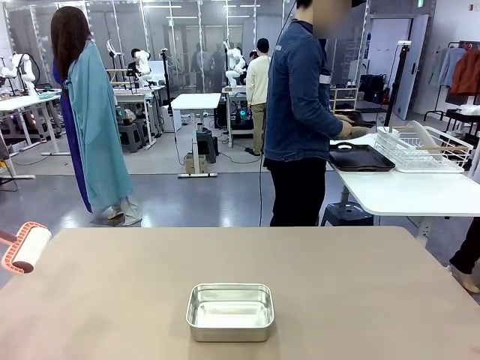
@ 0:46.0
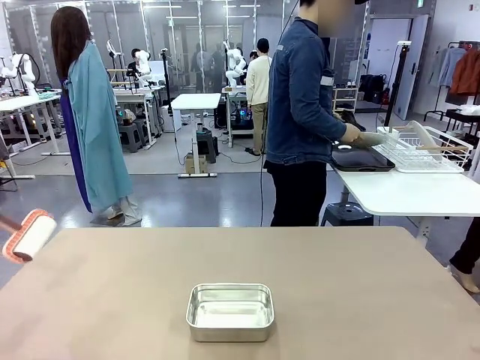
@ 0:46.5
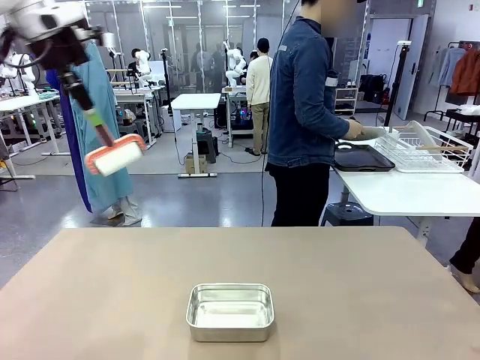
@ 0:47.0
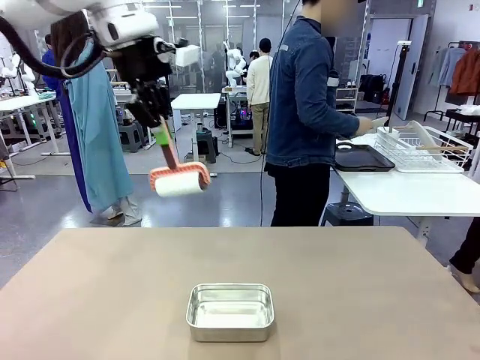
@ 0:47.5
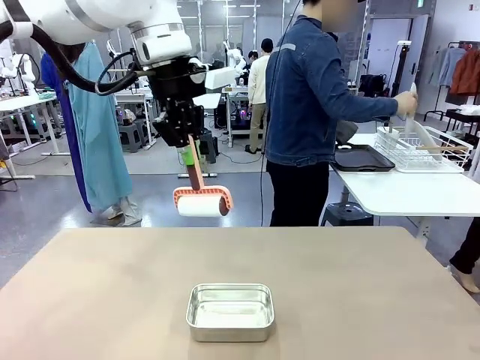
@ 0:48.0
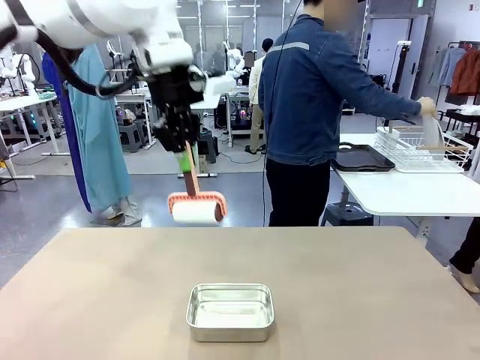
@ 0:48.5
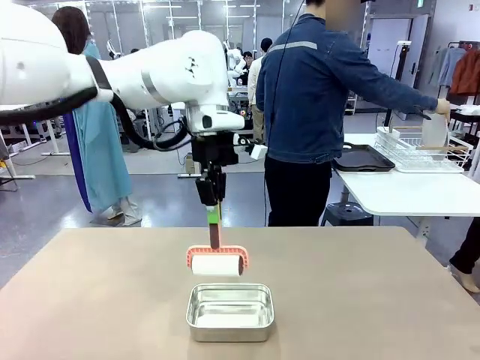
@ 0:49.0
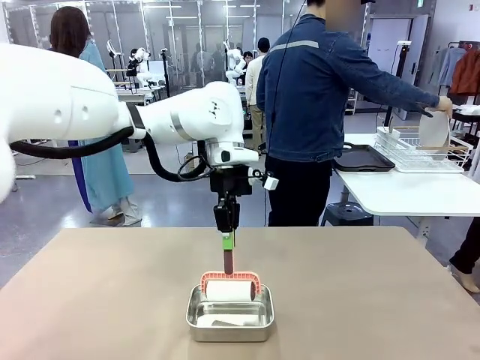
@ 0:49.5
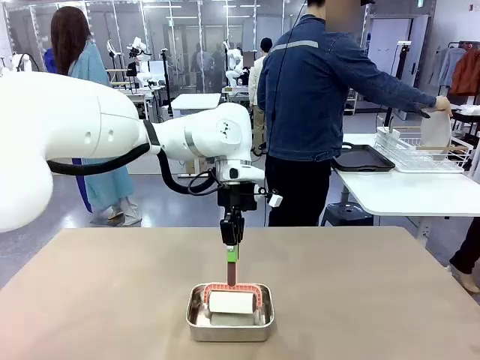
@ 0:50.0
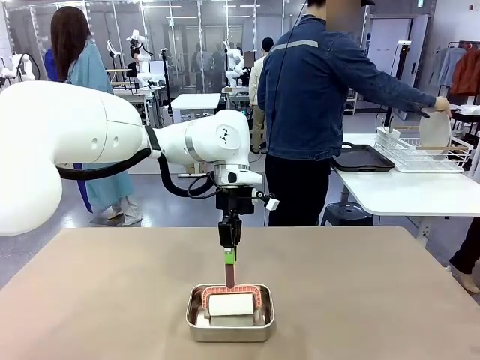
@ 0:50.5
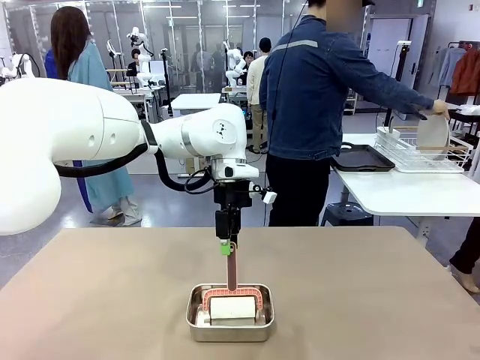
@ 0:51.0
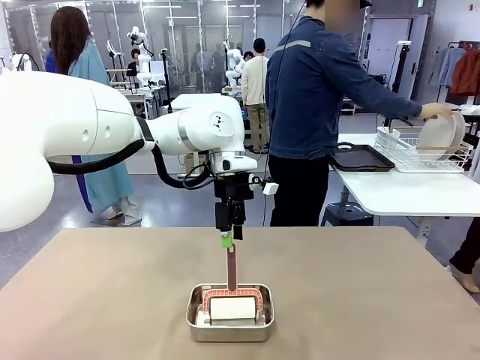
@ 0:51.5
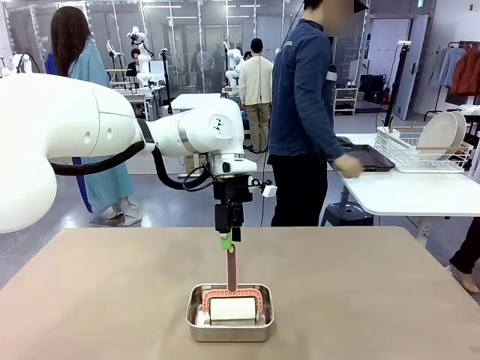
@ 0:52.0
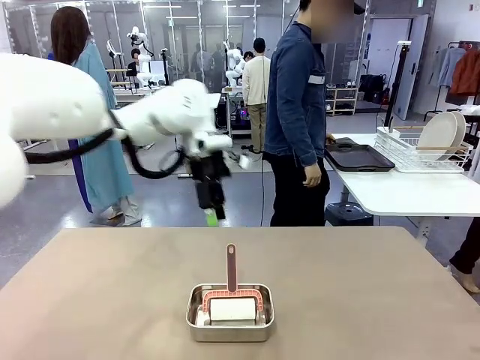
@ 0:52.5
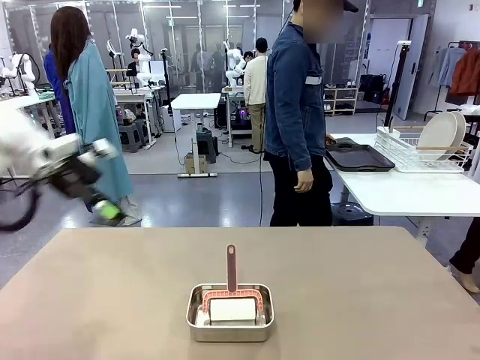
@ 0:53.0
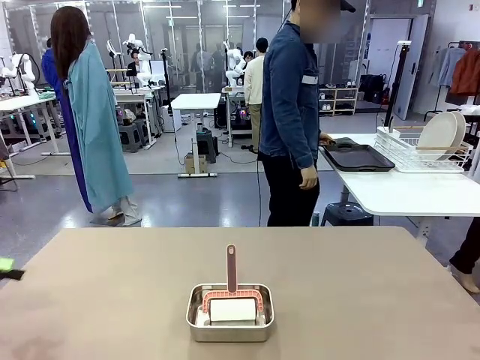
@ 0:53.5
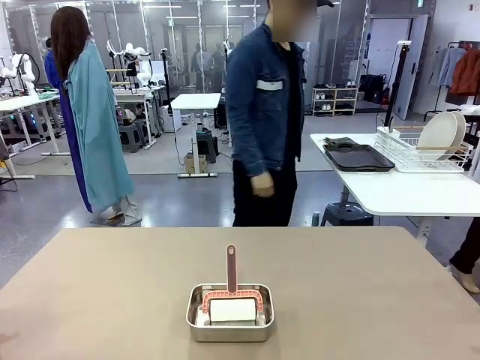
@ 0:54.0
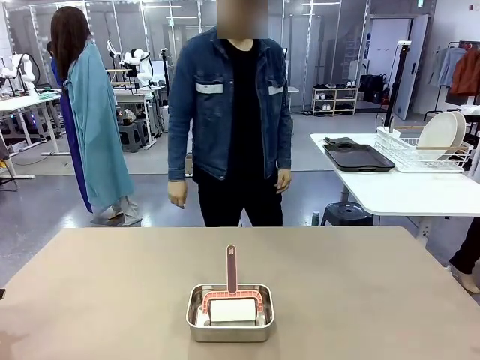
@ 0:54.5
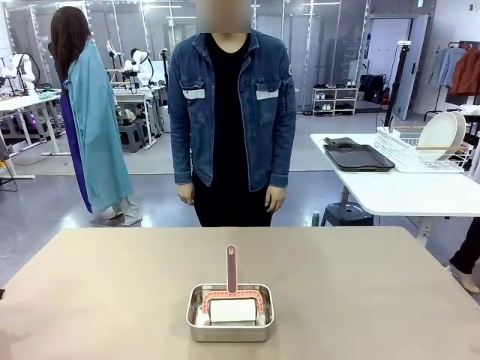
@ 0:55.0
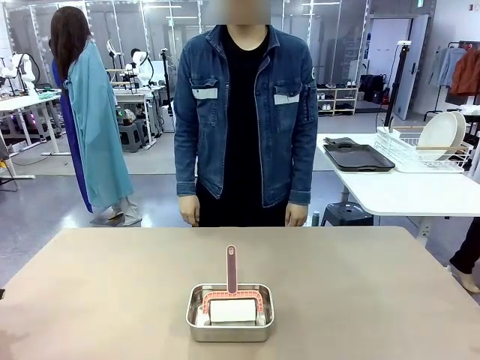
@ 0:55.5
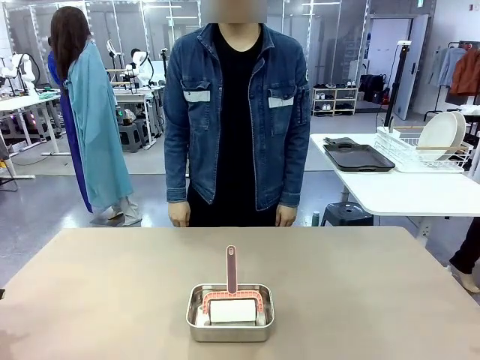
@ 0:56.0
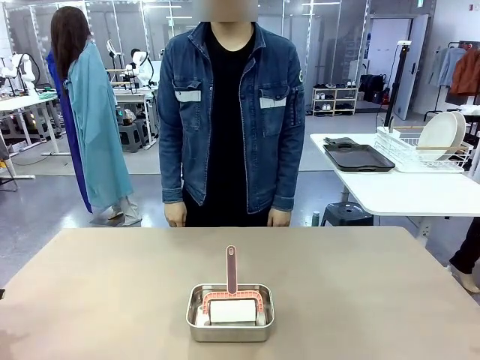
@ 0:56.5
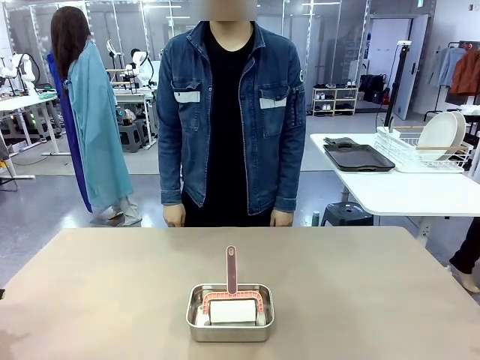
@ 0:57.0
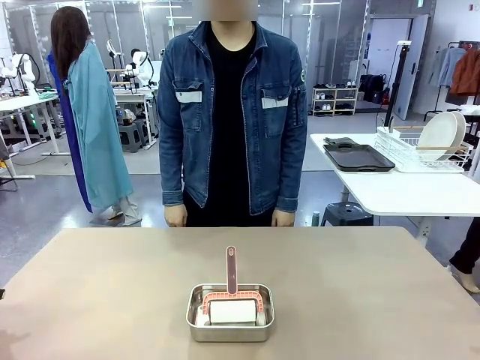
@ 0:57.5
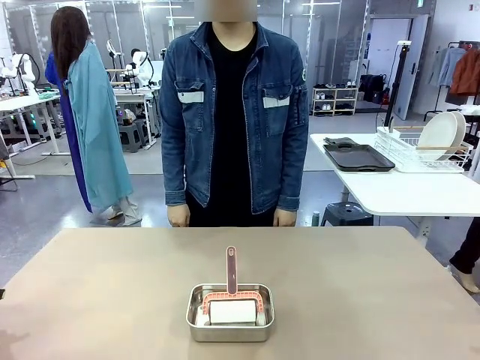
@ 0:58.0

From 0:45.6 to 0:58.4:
Robot: Place the Lint Roller back on top of the Airtight Container.
Person: Use the Towel with hook to wipe the Plastic Matte Plate , Fork , and Knife and place into the Dish drying rack.

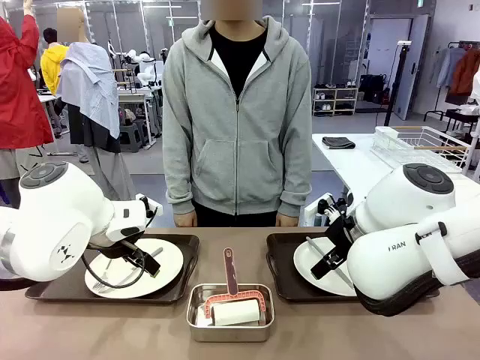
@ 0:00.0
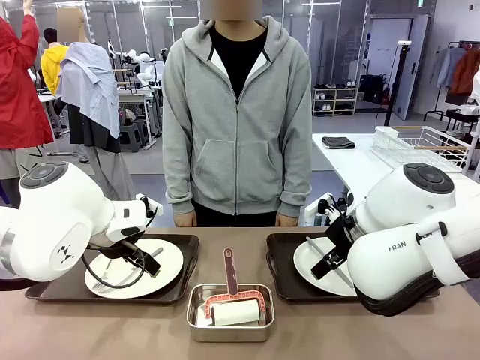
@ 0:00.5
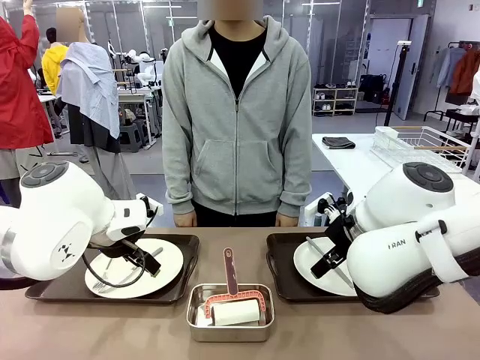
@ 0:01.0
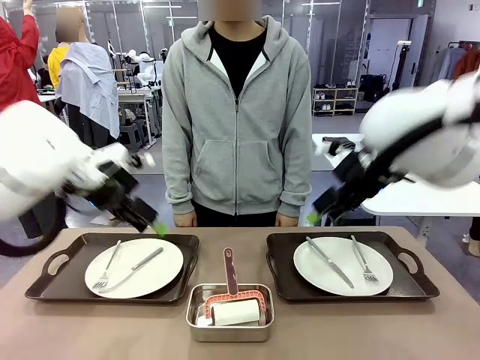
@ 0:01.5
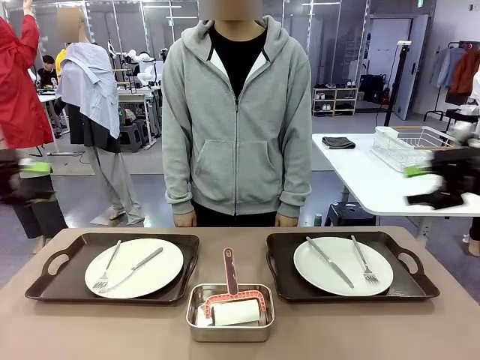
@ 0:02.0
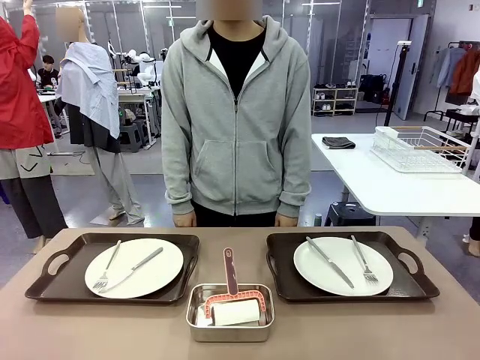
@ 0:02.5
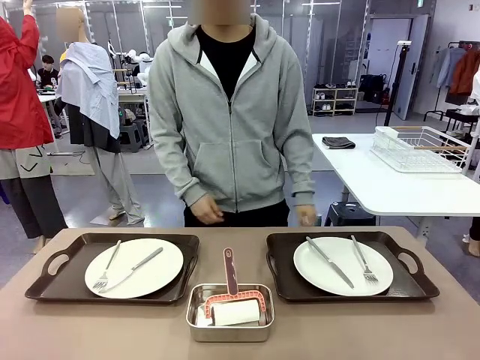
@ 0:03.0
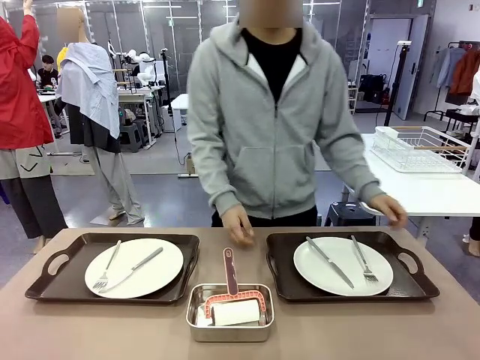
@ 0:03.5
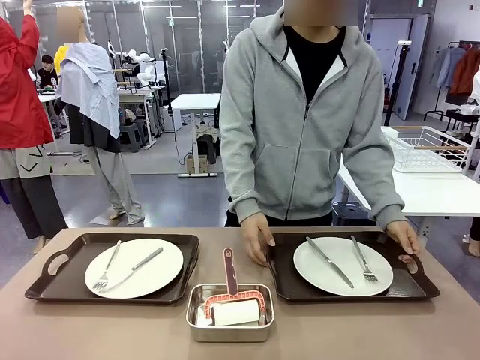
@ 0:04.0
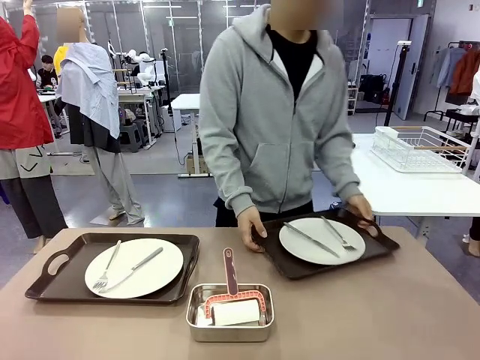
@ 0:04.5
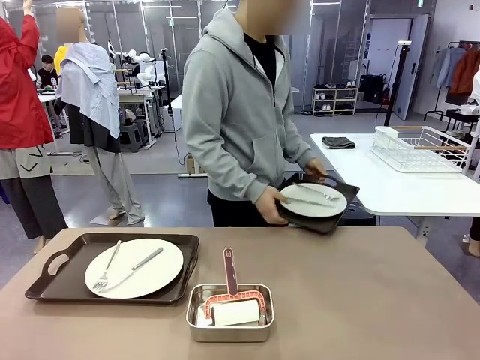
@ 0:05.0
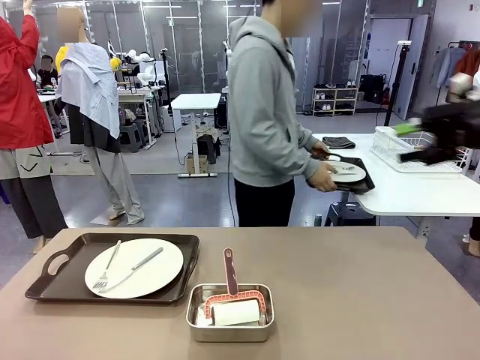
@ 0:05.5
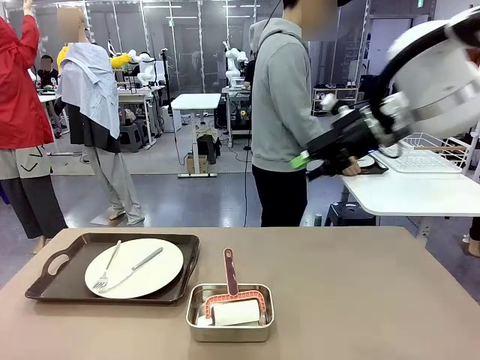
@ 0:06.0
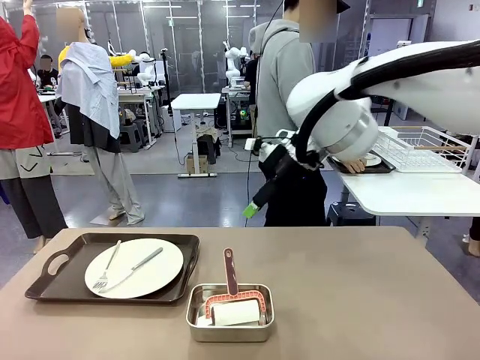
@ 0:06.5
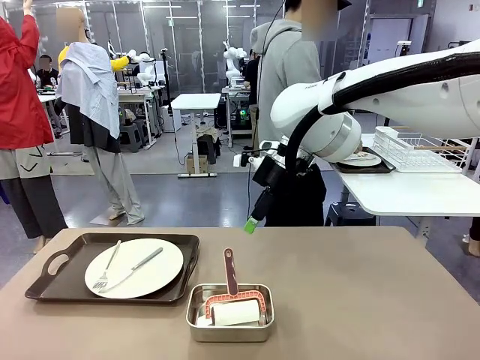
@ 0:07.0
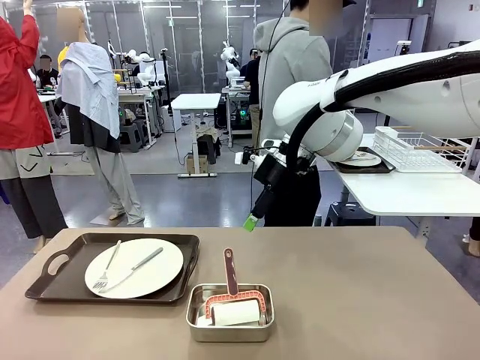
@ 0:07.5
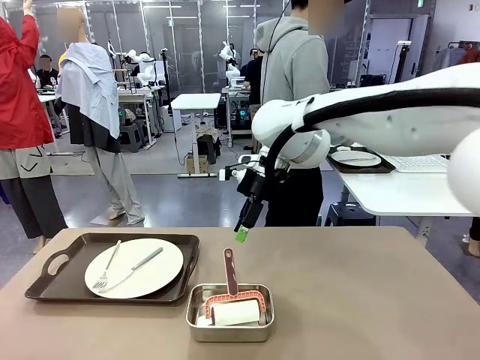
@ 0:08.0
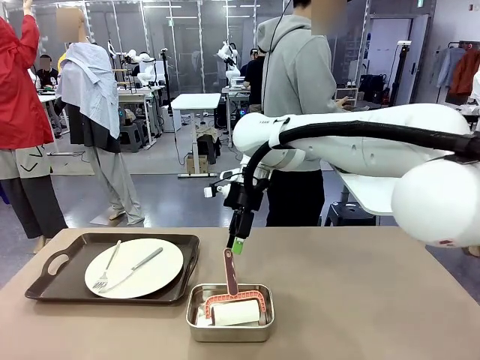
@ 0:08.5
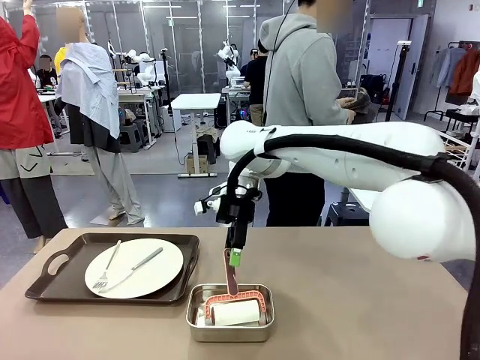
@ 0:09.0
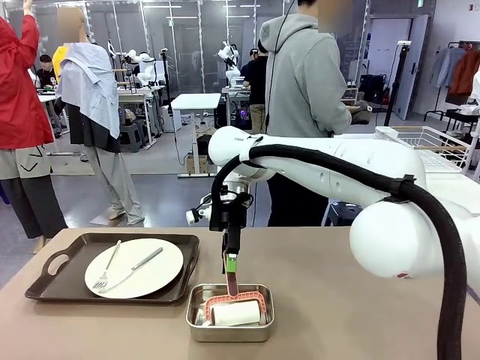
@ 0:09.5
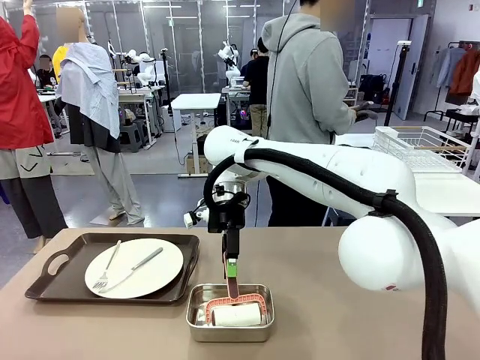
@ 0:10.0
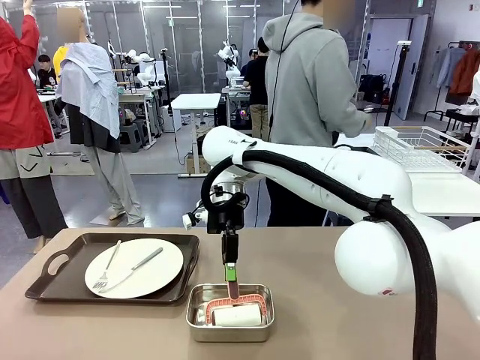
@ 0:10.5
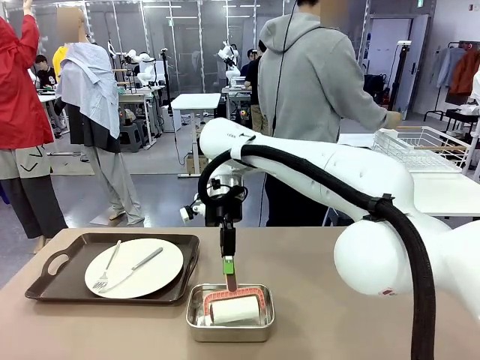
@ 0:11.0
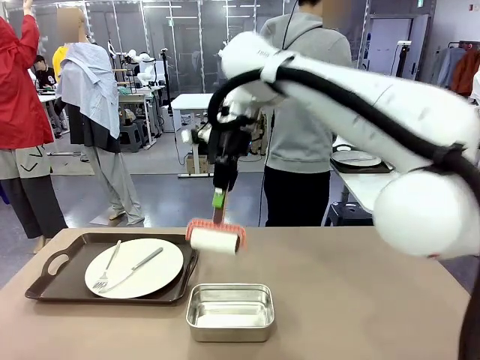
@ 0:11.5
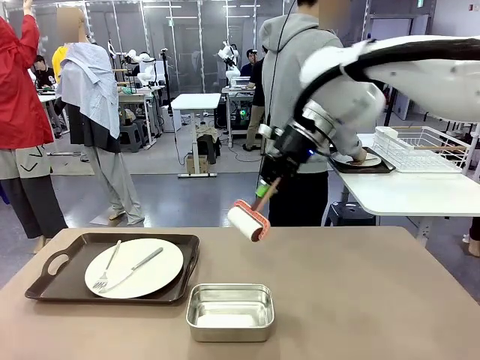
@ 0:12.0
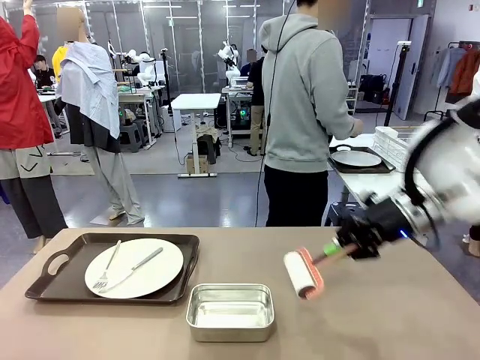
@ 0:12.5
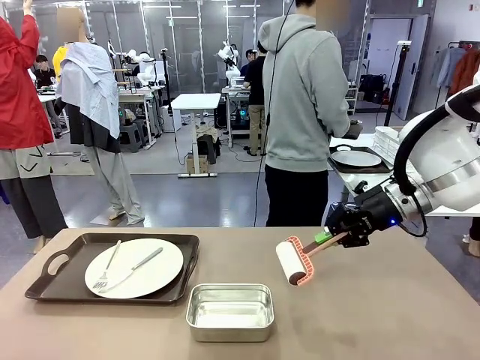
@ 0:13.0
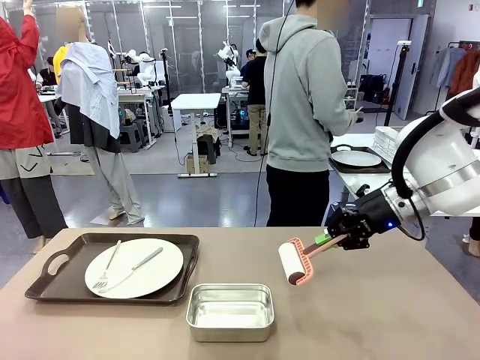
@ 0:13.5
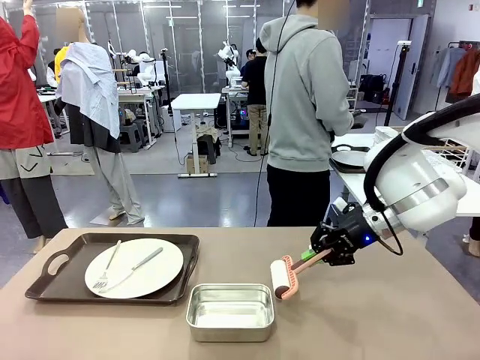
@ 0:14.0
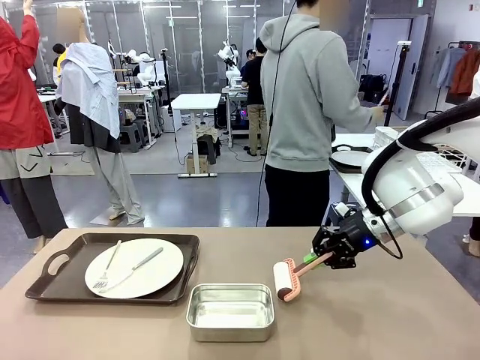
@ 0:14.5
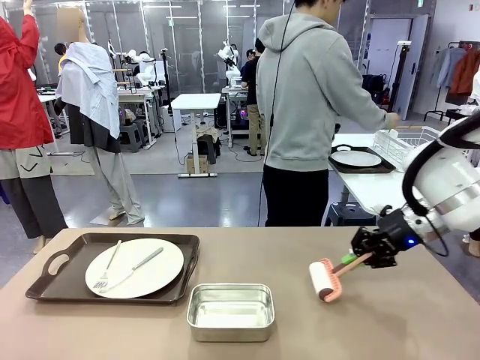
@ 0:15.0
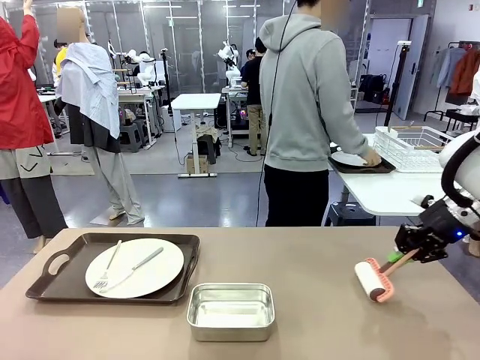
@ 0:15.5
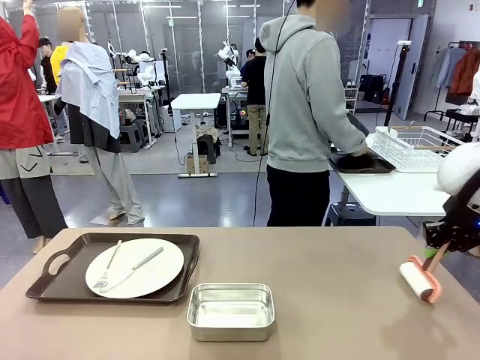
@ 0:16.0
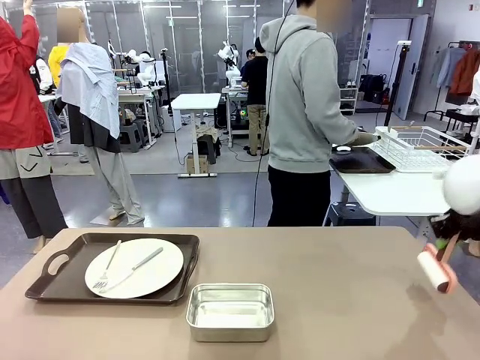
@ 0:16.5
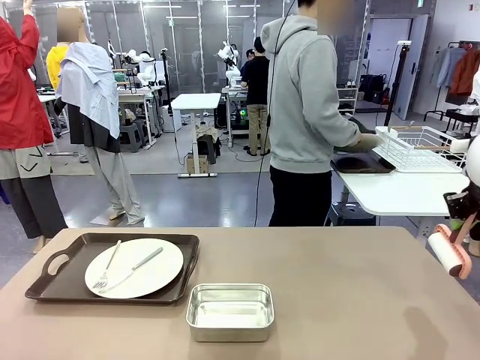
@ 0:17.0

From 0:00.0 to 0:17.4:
Robot: When the left (or right) Handle tray is removed, use the left hand (or right hand) to clean the left (or right) side of the table with the Lint Roller.
Person: Pick up the left (or right) Handle tray and place it on the middle of the Human's table. Use the Towel with hook to wipe the Plastic Matte Plate , Fork , and Knife and place into the Dish drying rack.
